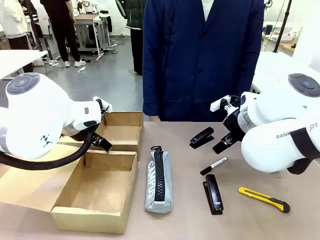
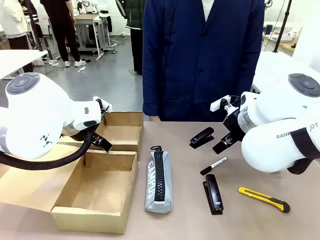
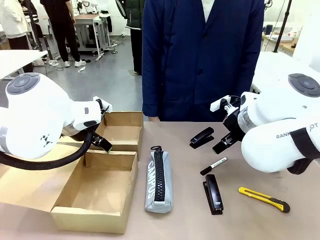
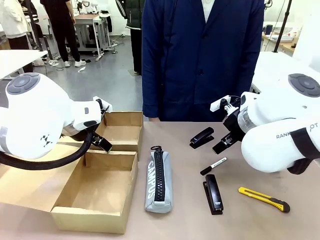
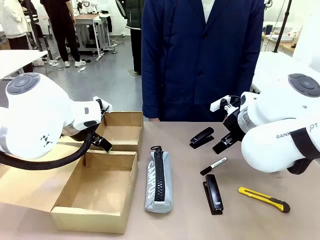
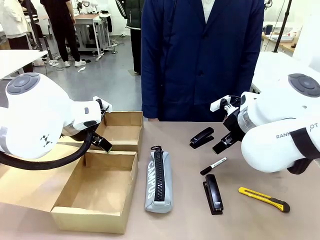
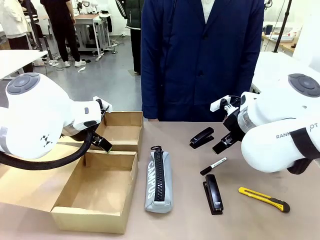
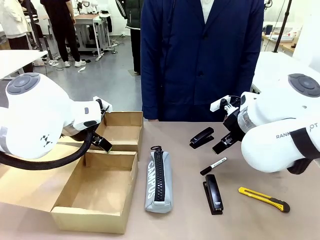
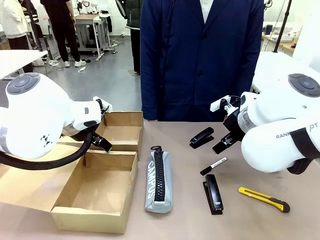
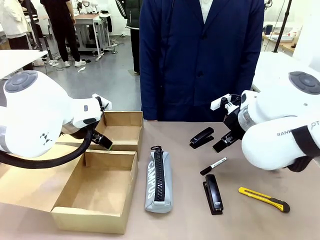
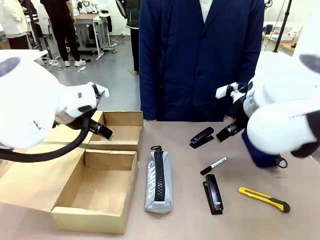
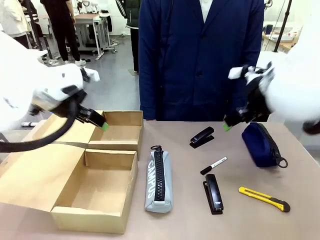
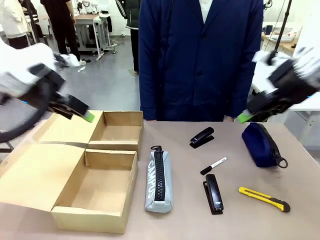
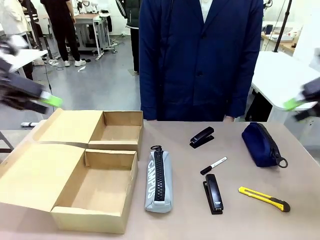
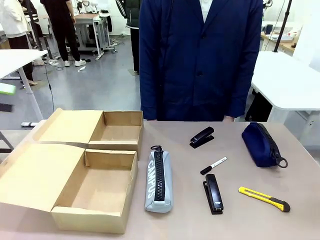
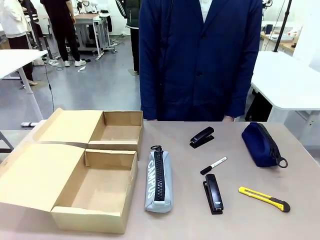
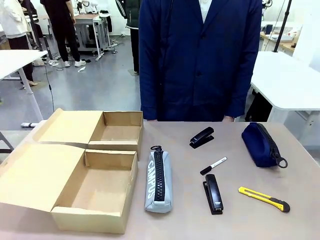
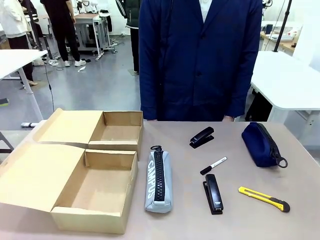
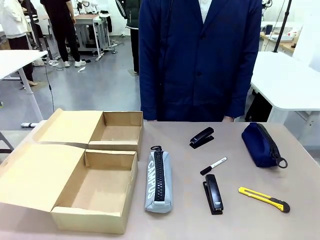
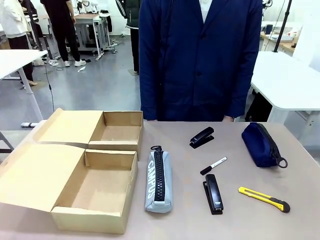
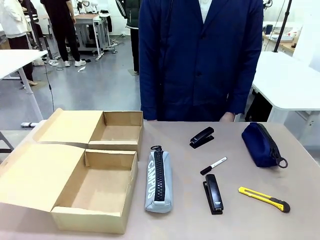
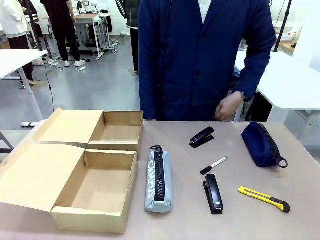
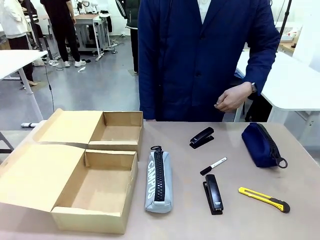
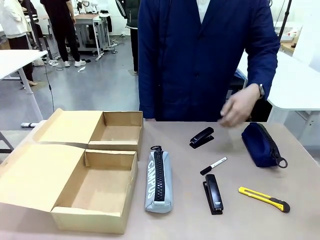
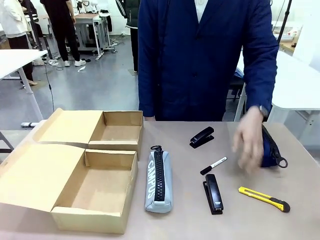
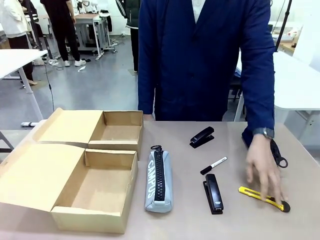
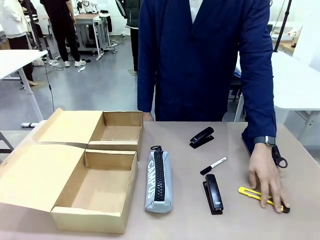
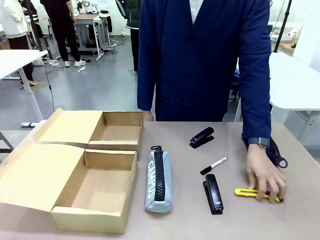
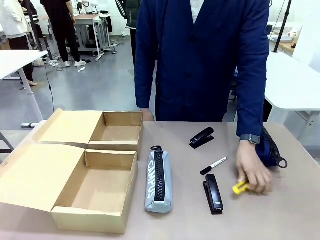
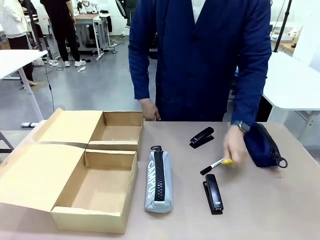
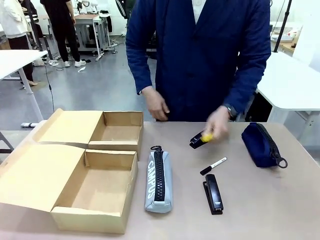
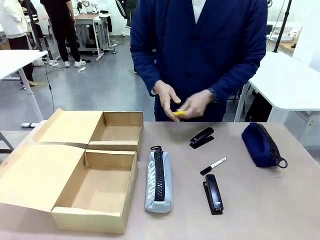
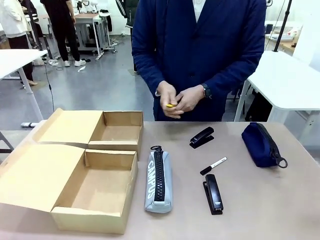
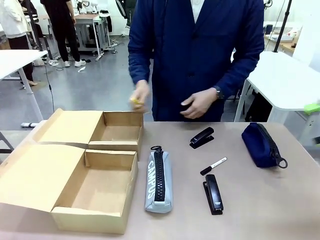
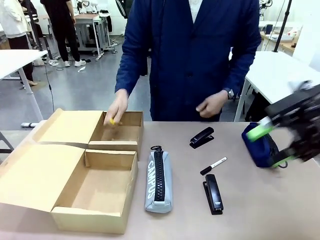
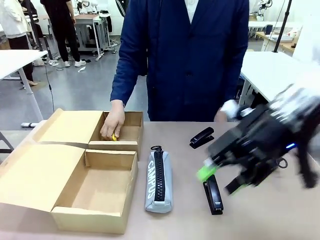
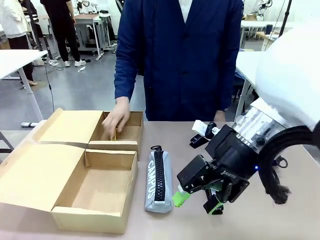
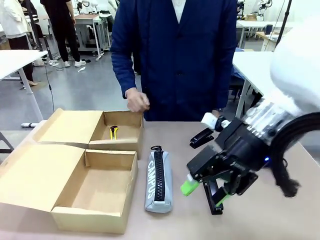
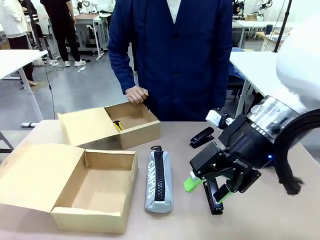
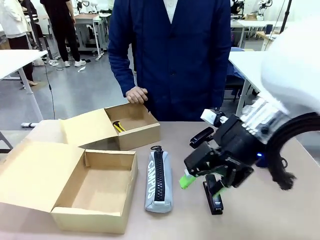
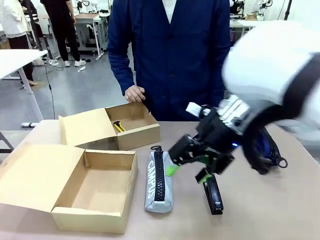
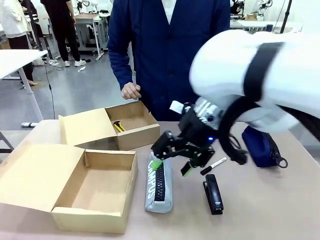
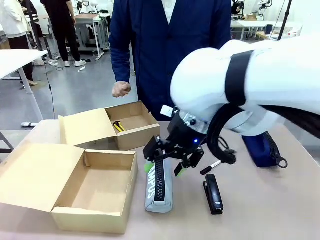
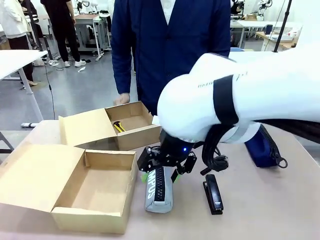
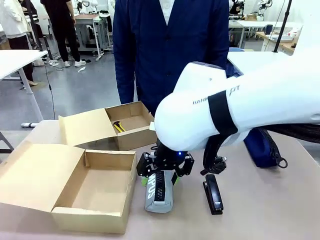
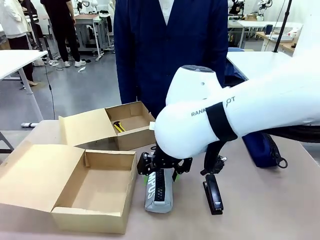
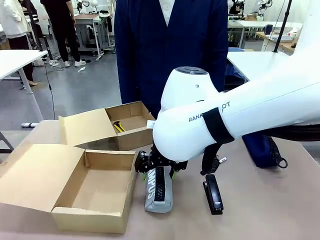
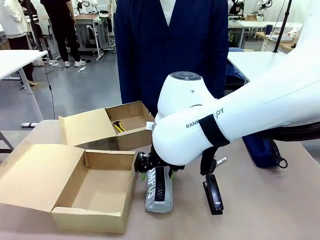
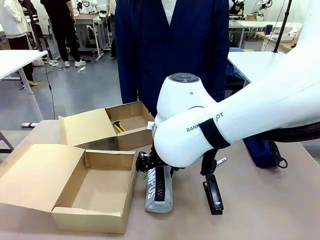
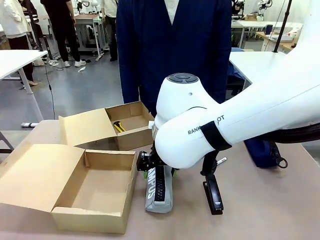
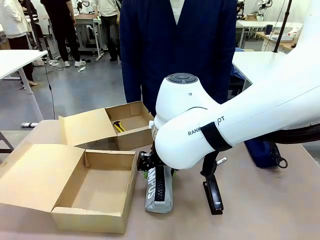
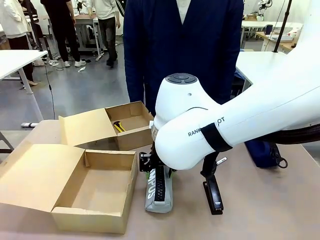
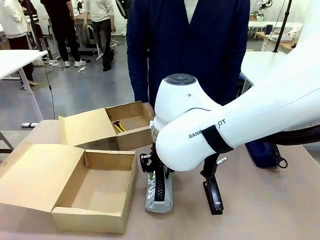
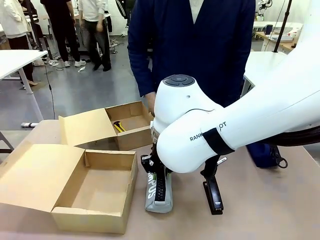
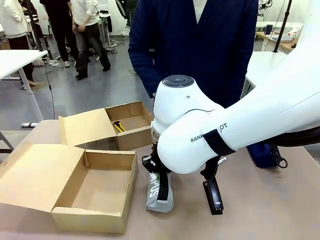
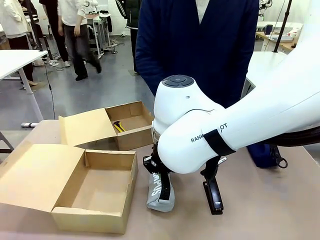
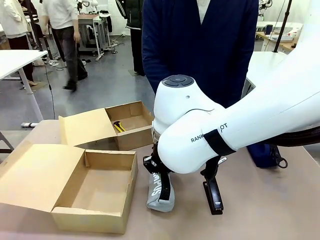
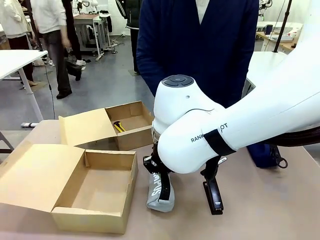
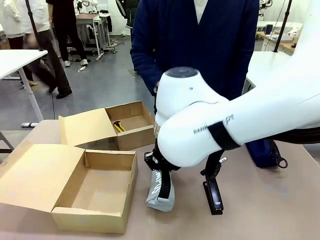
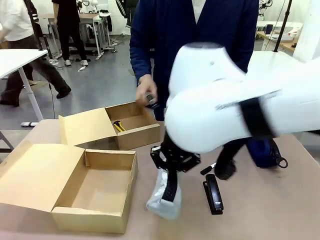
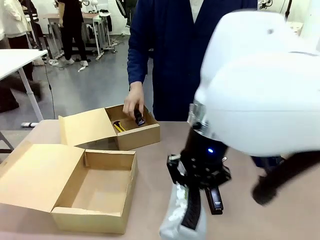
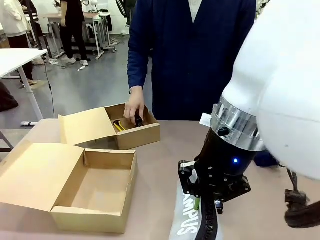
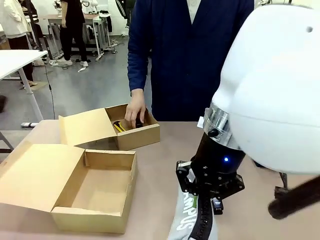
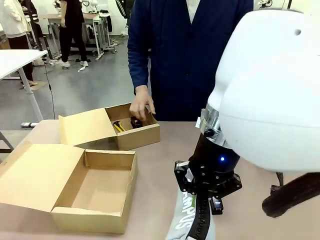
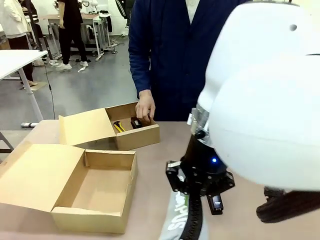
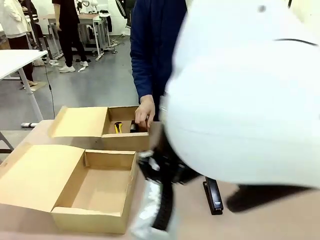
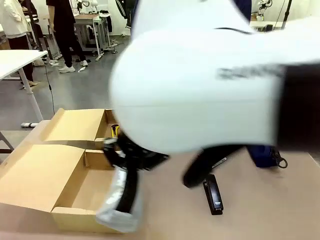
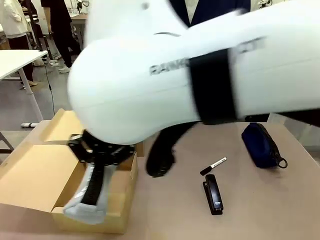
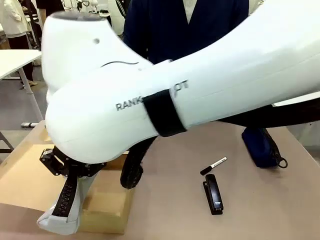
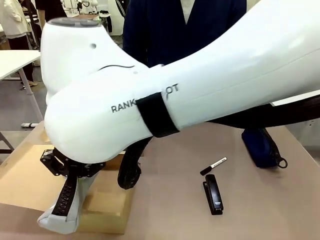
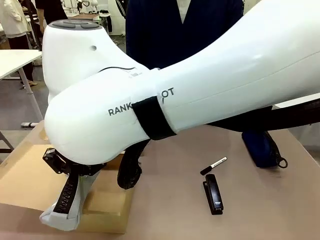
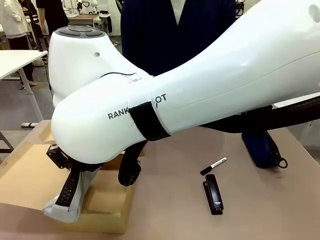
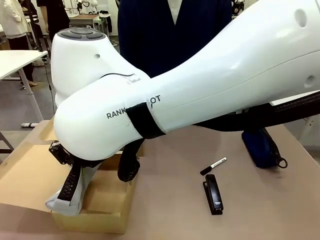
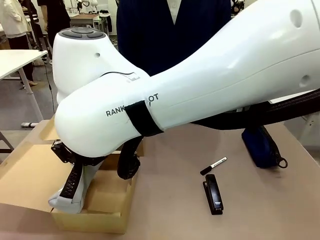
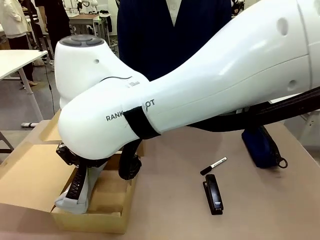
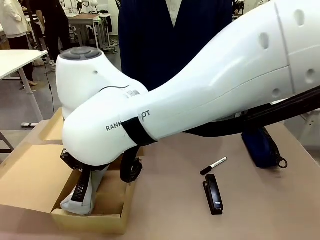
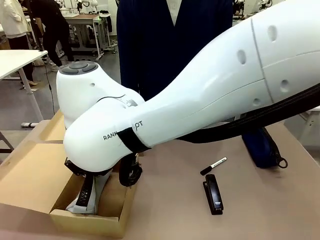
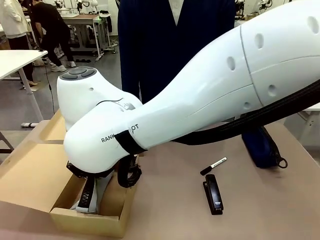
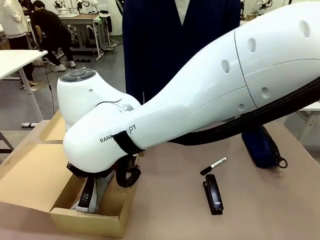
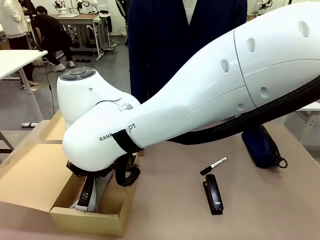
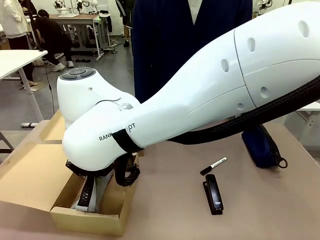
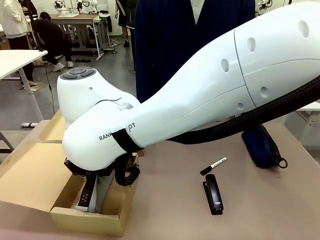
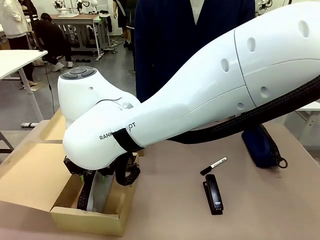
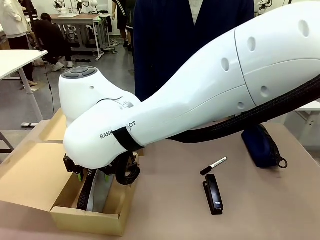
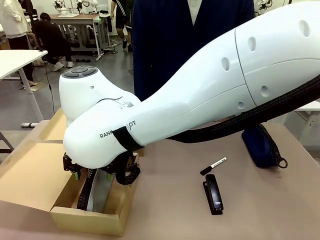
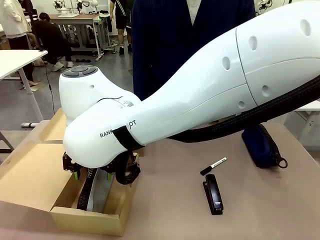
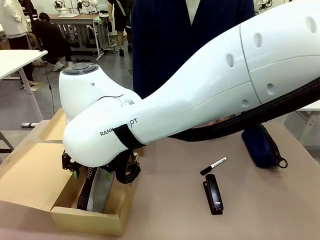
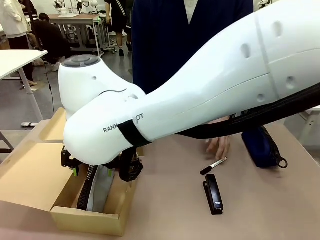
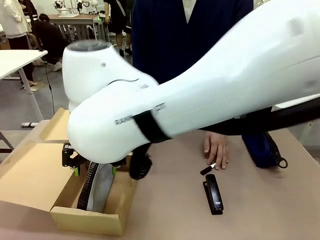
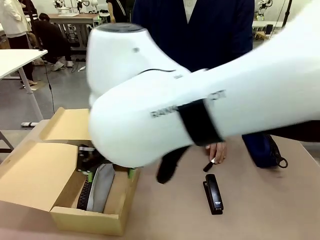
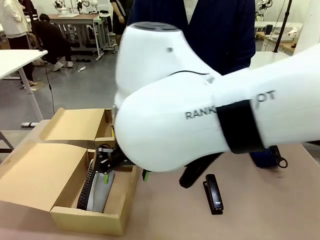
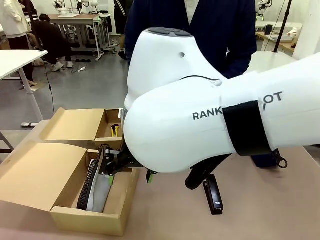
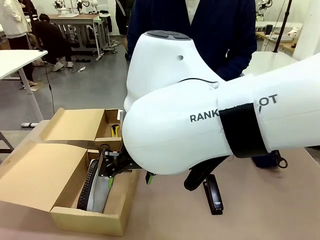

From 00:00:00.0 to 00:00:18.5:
Task: Place items inside the box.
Robot: Pick up a Pencil pouch or Stapler and place it inside the Mailer Box closest to the robot.
Person: Pick up an object on the table and put it in the box.
